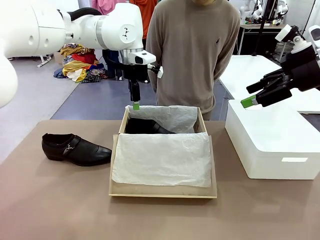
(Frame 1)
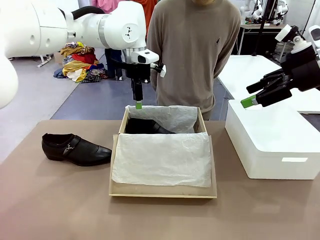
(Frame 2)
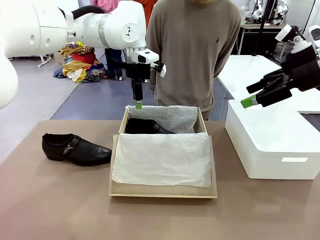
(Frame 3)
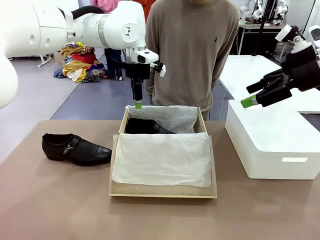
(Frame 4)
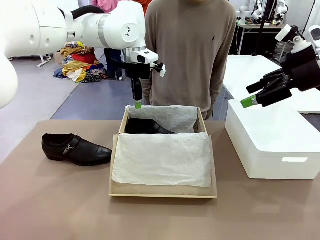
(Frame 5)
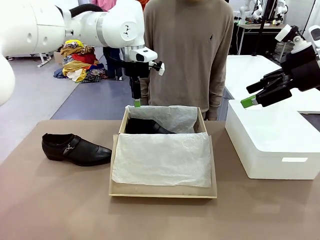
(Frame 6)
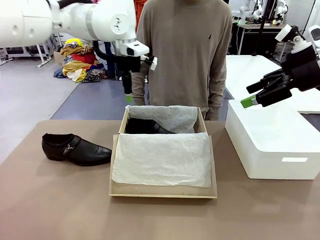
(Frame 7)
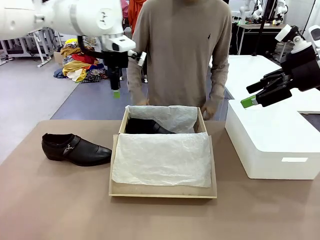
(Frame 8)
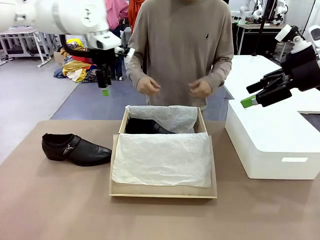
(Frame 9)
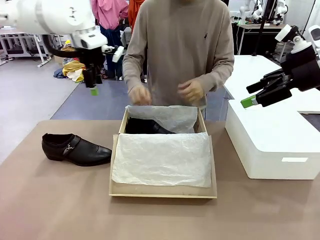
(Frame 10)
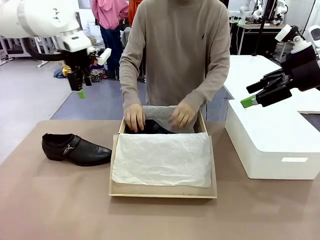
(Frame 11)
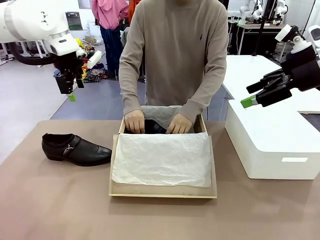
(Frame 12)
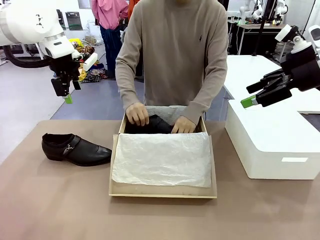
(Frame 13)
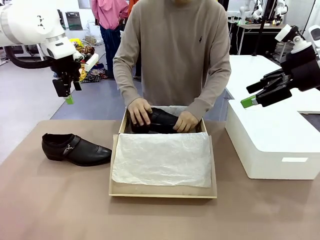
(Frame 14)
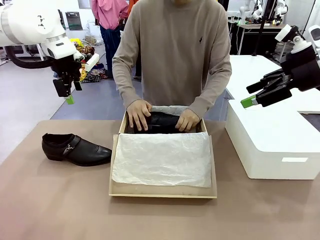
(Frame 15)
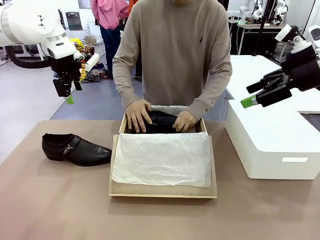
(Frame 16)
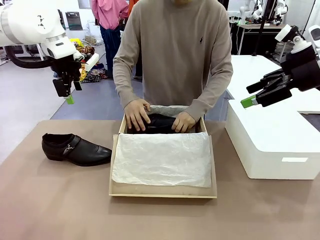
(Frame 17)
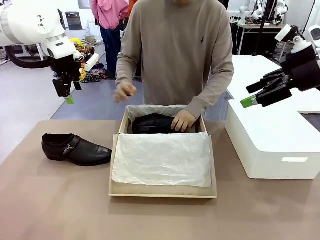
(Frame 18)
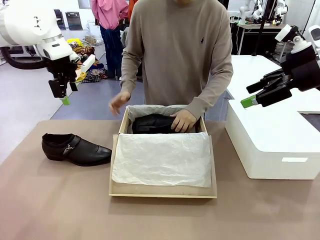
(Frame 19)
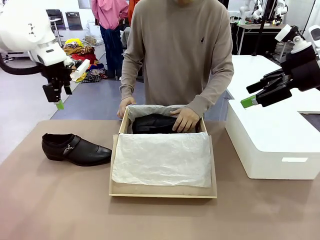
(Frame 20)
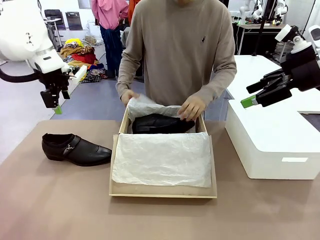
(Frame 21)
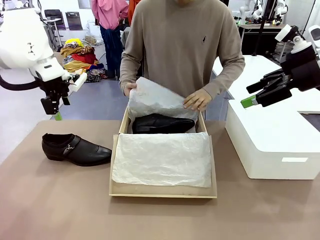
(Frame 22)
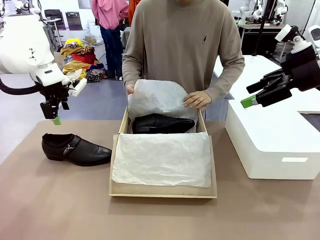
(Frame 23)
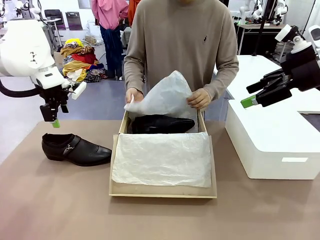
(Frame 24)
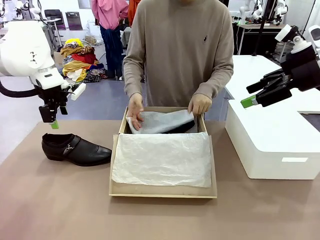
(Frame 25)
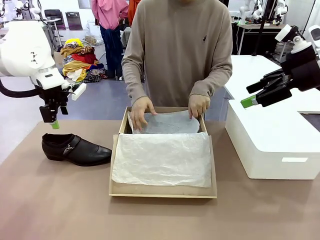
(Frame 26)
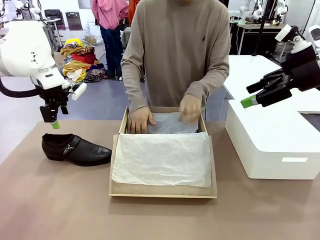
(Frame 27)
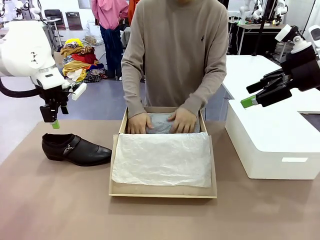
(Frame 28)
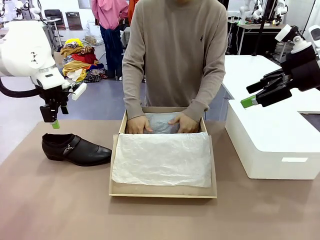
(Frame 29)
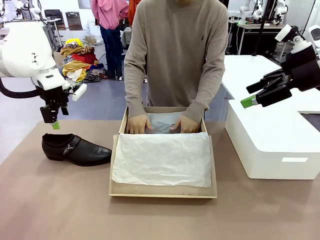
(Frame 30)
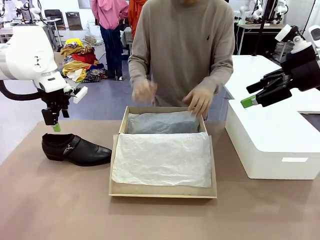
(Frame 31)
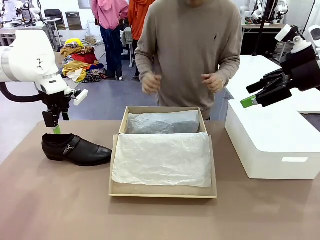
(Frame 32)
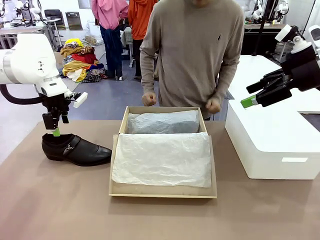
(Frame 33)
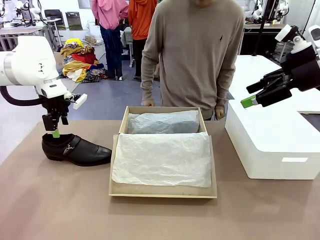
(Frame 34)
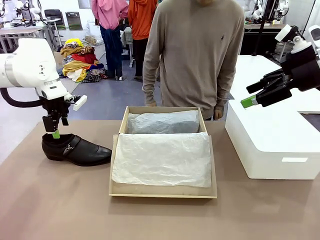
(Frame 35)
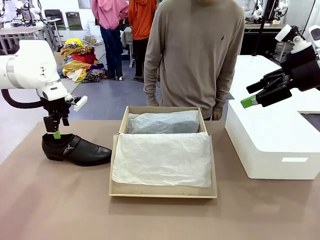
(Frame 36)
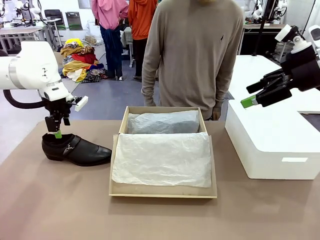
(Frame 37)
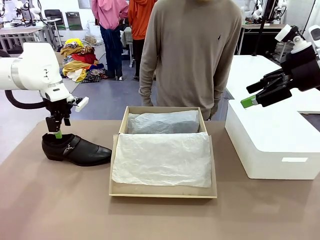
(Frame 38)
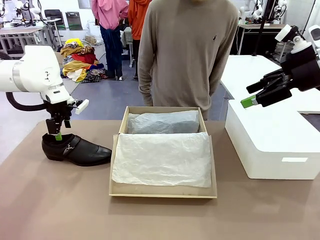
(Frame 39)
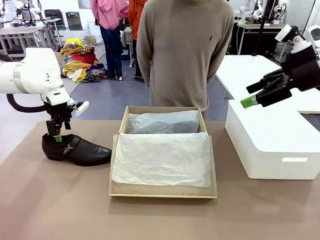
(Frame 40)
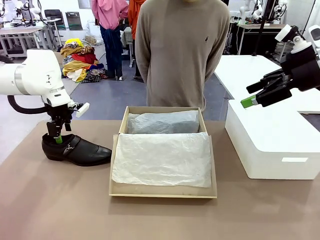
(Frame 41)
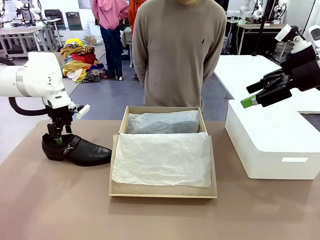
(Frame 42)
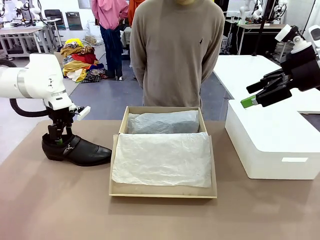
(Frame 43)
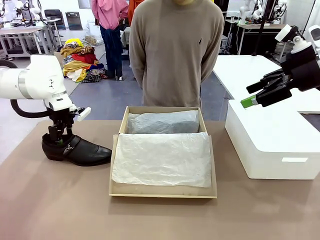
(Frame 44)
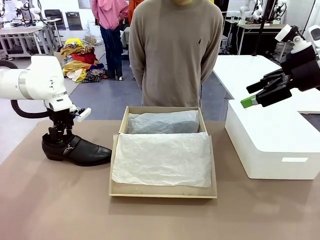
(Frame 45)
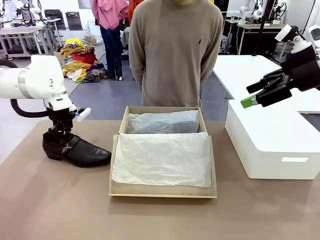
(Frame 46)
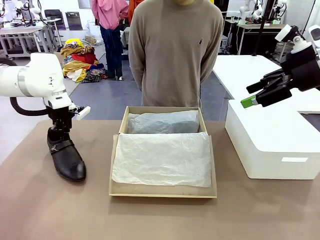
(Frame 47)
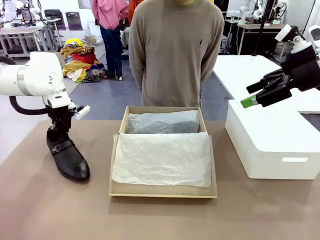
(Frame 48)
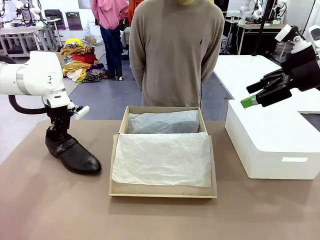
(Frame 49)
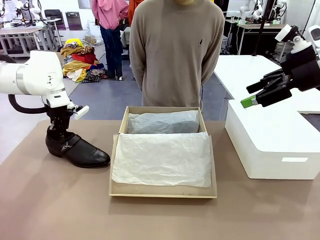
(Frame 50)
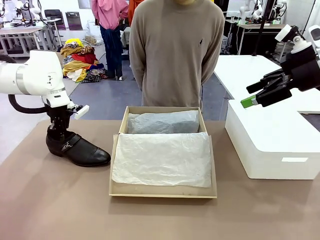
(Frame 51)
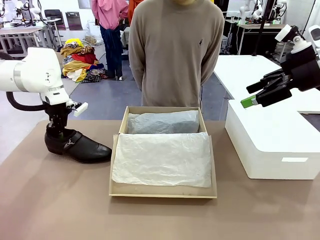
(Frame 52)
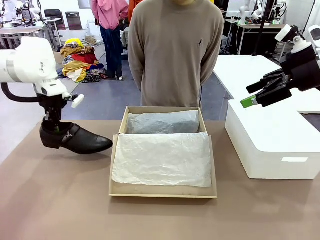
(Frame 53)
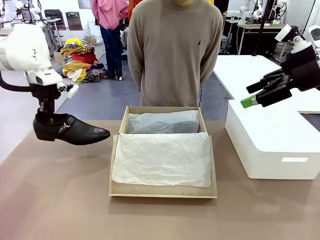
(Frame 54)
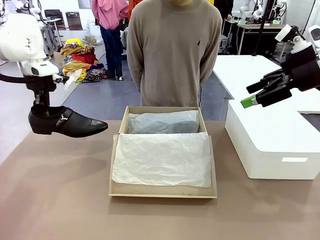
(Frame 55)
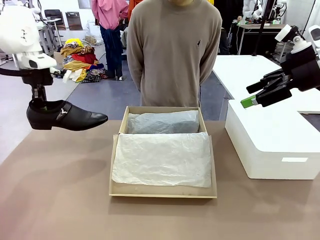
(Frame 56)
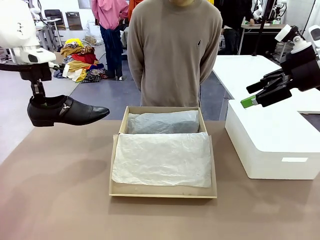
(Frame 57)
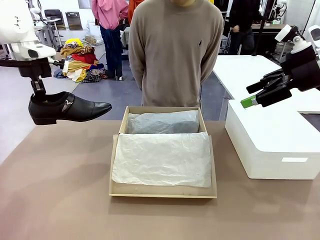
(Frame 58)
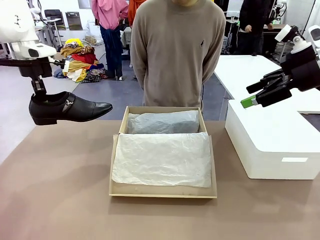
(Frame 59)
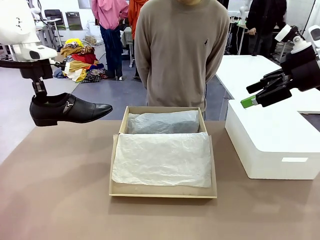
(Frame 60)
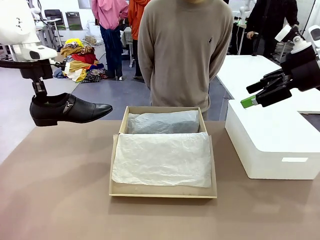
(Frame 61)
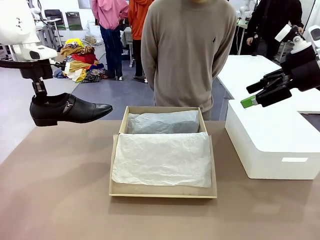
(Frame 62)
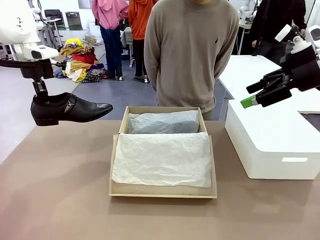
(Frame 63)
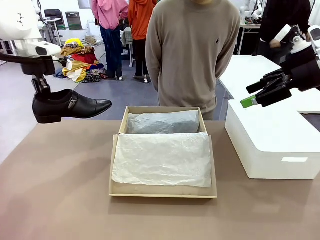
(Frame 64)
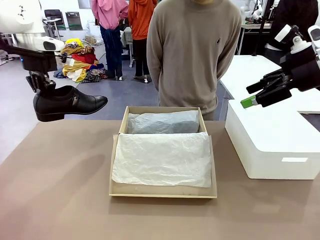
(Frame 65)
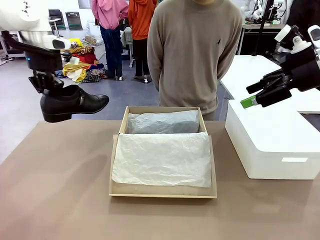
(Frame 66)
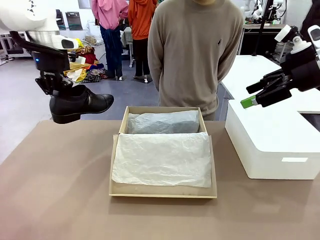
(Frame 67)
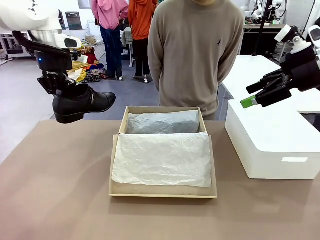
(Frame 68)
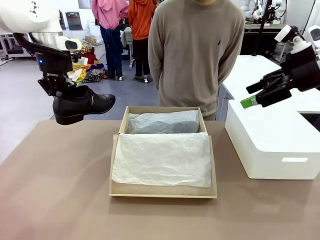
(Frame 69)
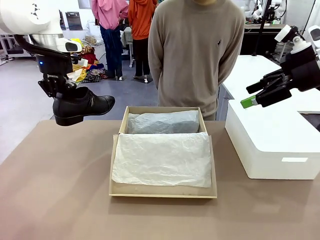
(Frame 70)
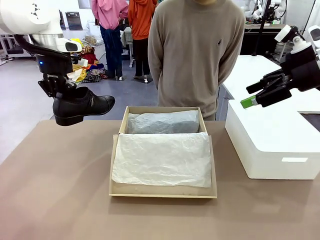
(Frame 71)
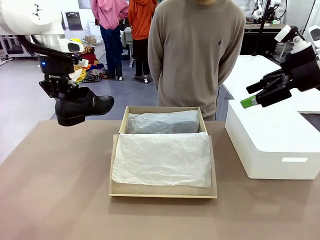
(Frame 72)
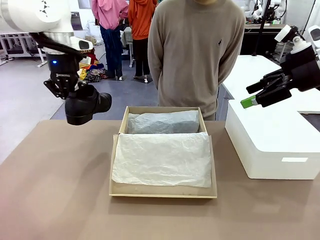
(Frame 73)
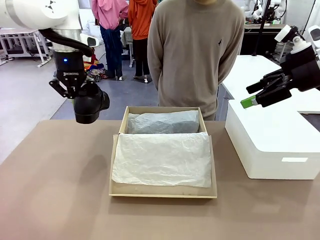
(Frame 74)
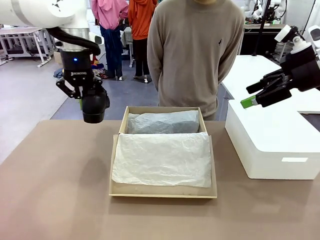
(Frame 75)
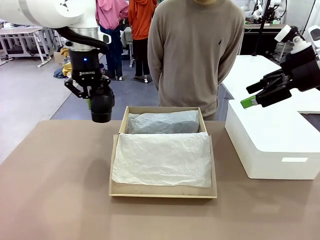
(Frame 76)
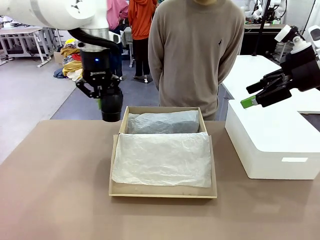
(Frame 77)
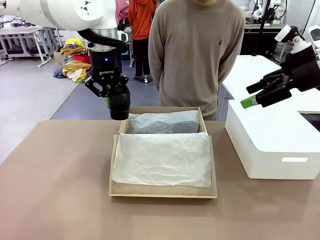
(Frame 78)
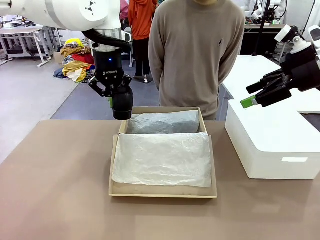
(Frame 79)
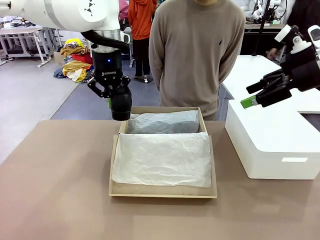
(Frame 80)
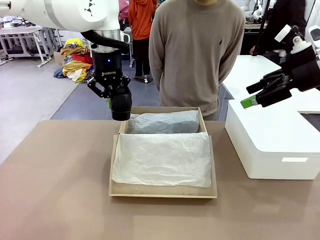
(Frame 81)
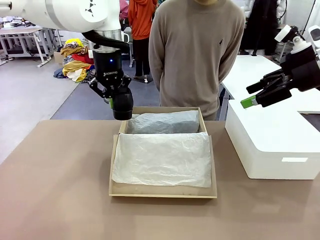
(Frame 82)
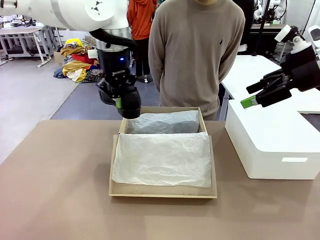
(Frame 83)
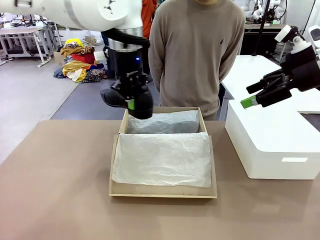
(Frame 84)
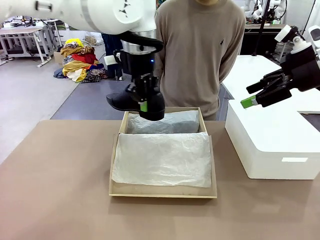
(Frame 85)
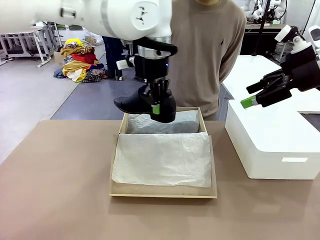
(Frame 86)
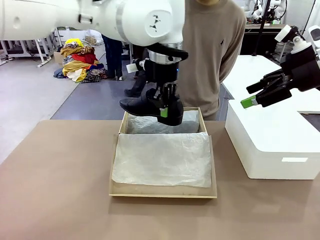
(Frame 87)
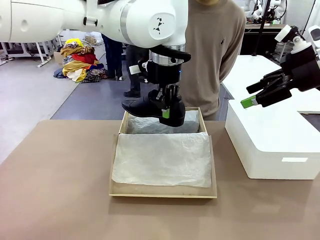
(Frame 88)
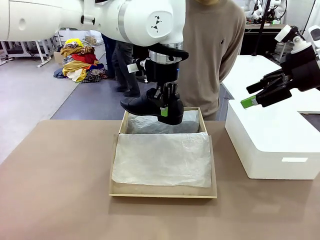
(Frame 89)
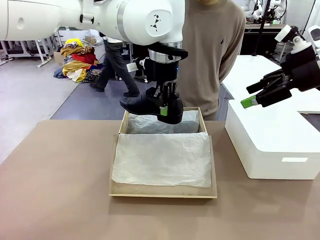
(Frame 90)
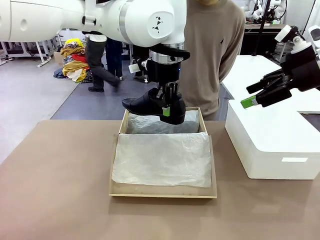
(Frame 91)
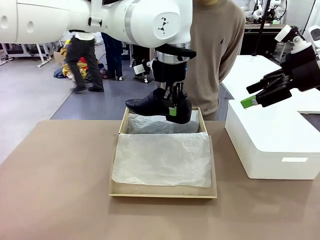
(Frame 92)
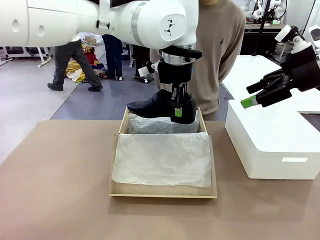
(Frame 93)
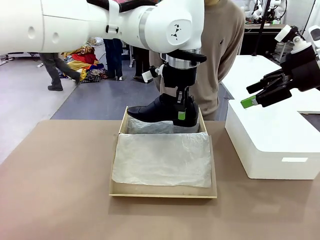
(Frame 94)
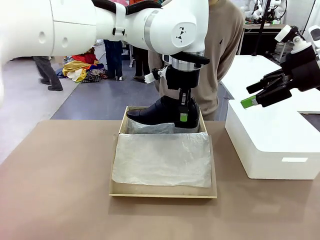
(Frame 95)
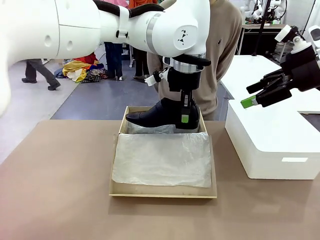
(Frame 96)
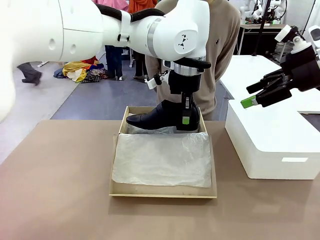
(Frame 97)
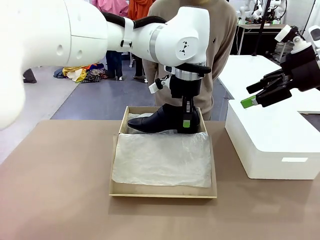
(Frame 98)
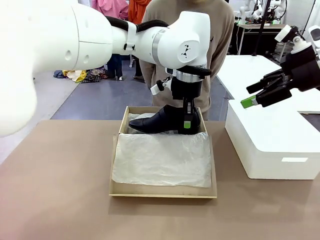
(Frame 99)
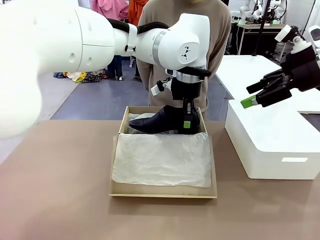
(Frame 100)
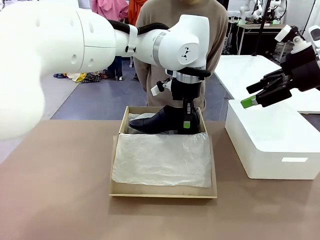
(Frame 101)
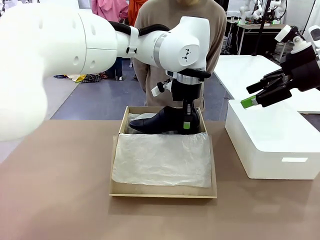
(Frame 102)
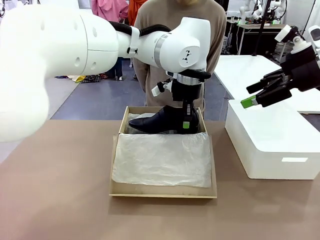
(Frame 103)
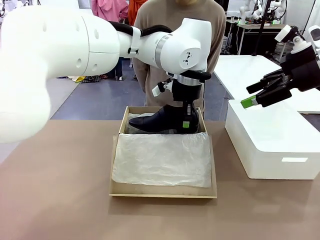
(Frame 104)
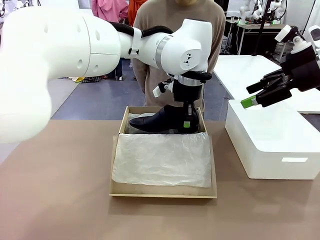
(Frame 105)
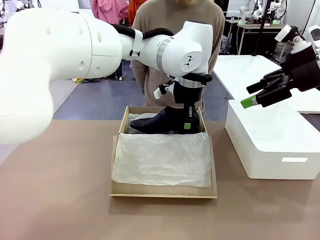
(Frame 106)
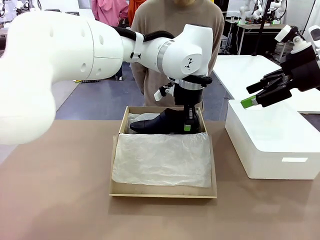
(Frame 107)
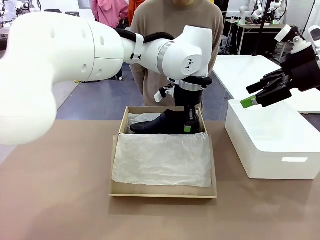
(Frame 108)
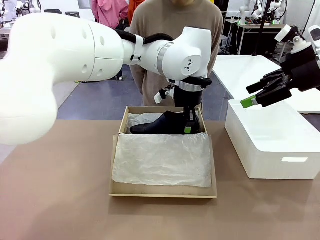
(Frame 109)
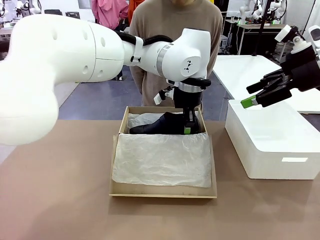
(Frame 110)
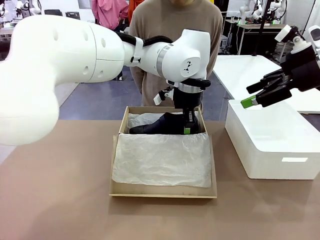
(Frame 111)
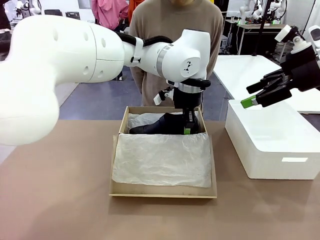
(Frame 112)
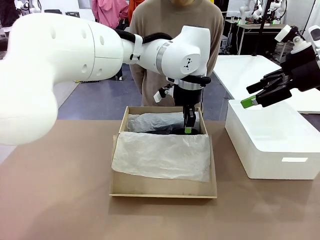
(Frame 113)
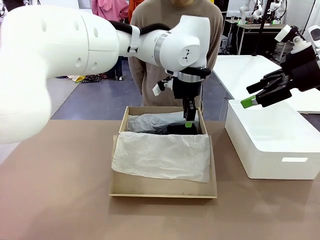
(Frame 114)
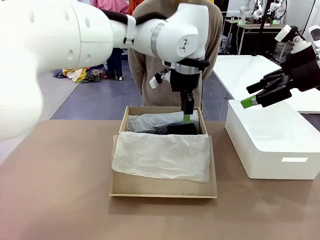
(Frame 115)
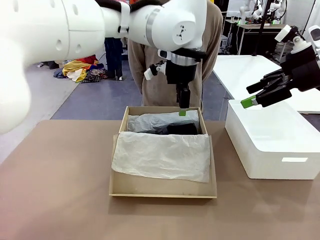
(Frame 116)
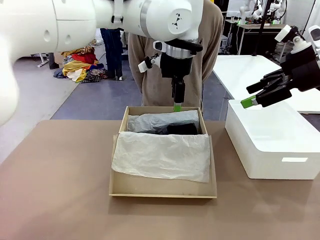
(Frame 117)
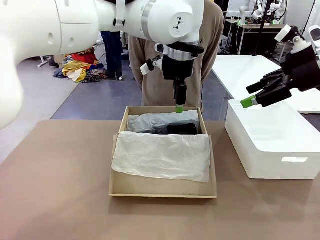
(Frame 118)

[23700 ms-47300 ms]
Task: Pack the shoes into the box.
Robot: Place the other shoe of the Shoes into the Shoes Box.
Person: Pack a shoe of Shoes inside the Shoes Box with Shoes Wrapping Paper.
